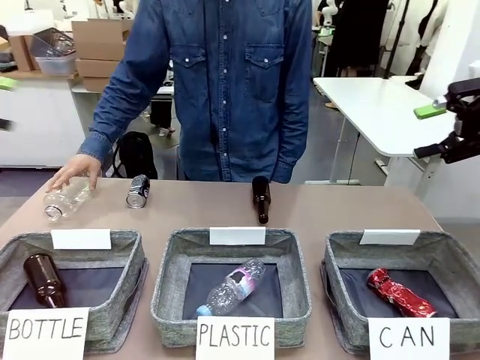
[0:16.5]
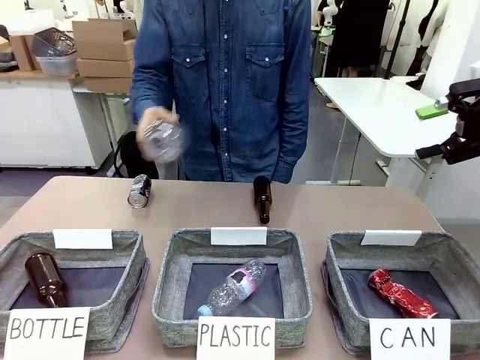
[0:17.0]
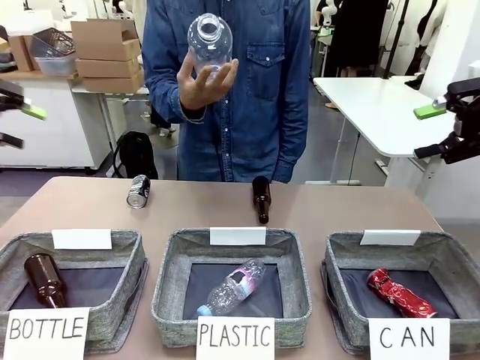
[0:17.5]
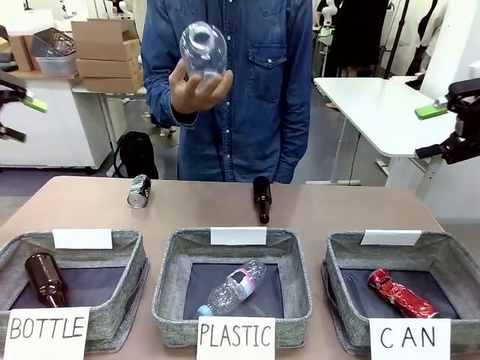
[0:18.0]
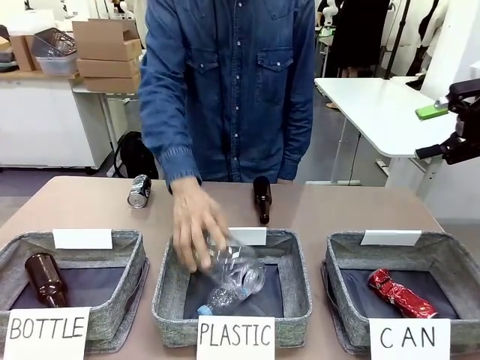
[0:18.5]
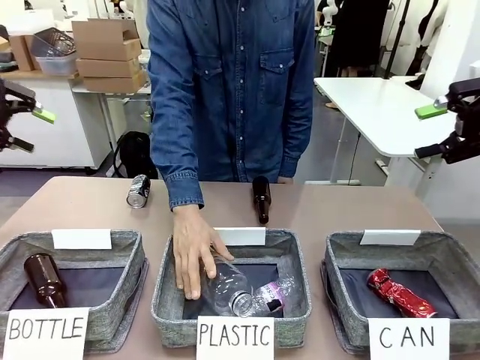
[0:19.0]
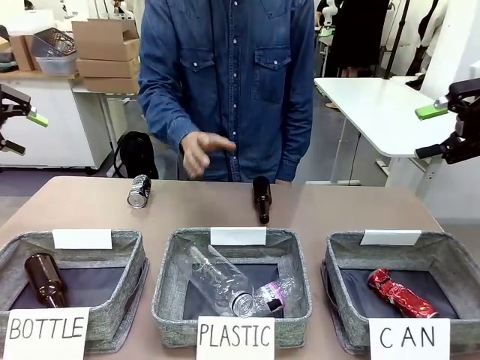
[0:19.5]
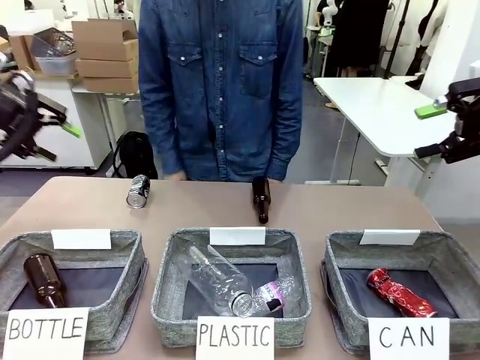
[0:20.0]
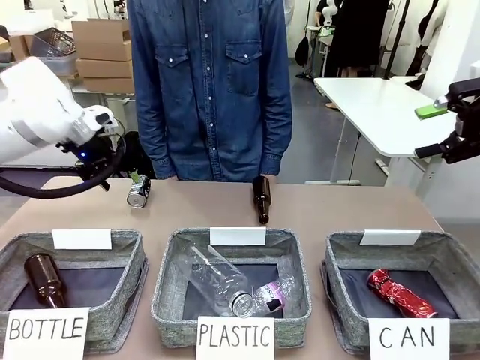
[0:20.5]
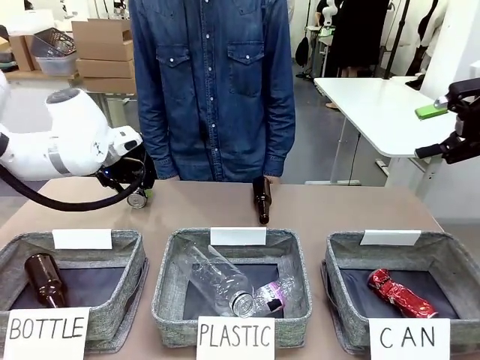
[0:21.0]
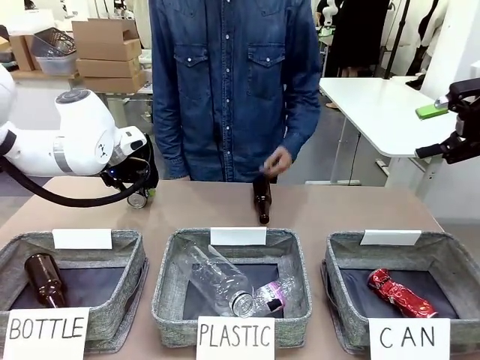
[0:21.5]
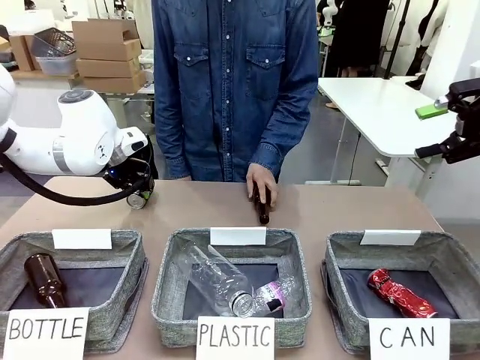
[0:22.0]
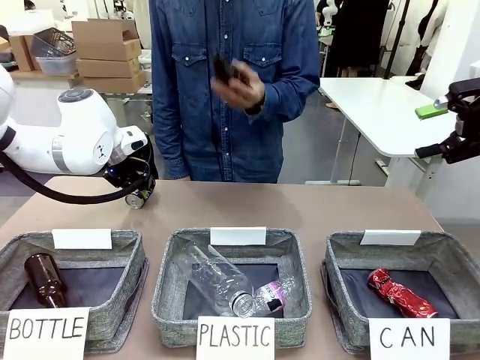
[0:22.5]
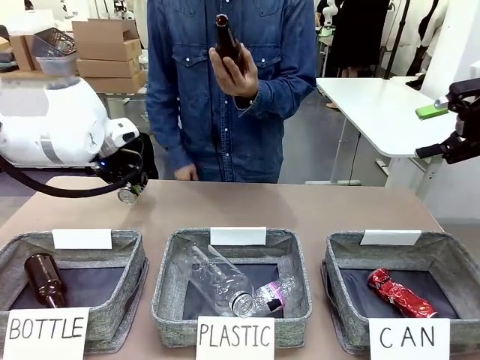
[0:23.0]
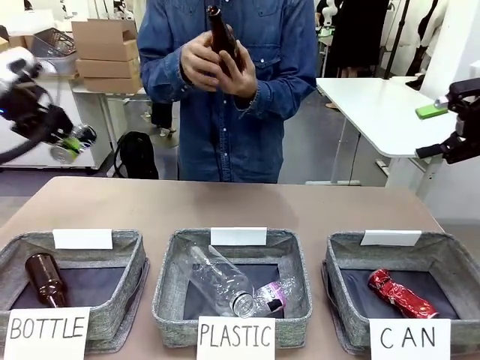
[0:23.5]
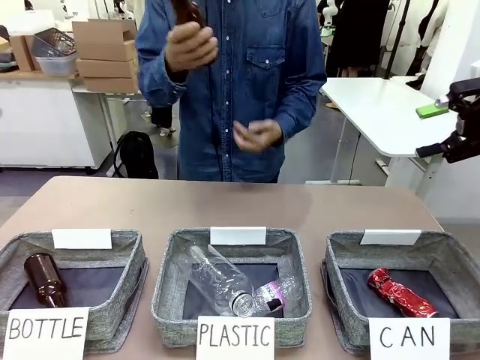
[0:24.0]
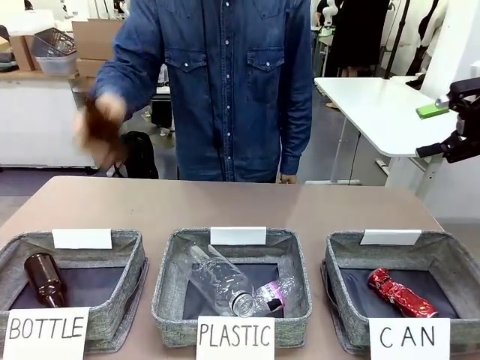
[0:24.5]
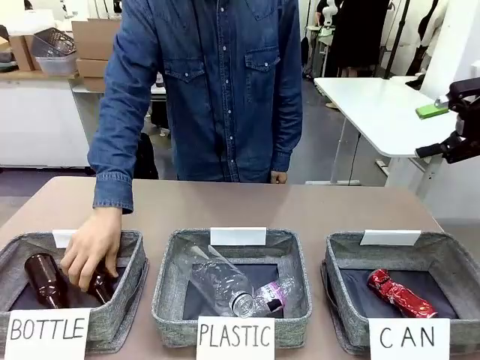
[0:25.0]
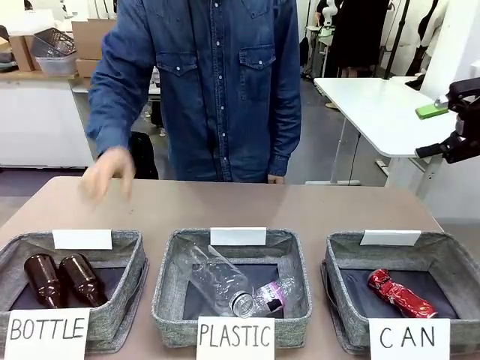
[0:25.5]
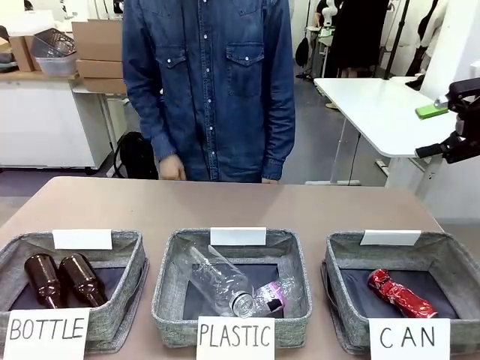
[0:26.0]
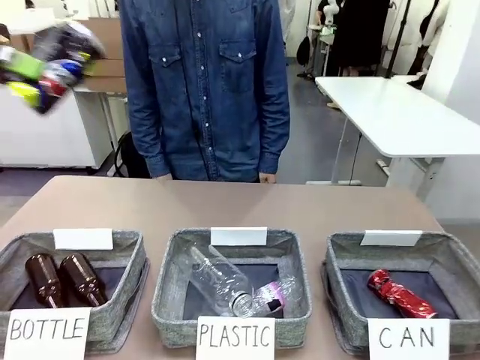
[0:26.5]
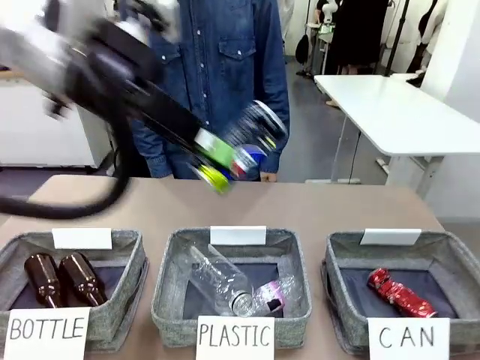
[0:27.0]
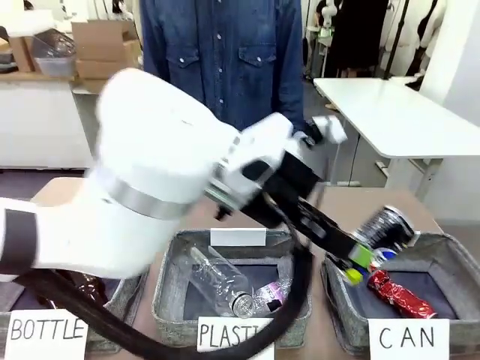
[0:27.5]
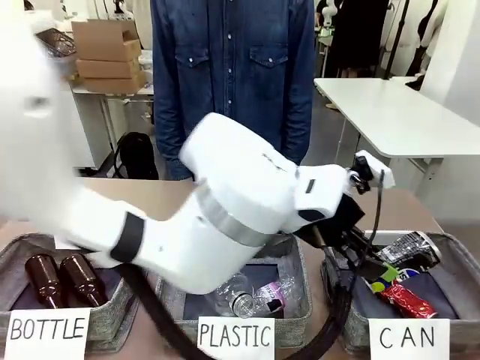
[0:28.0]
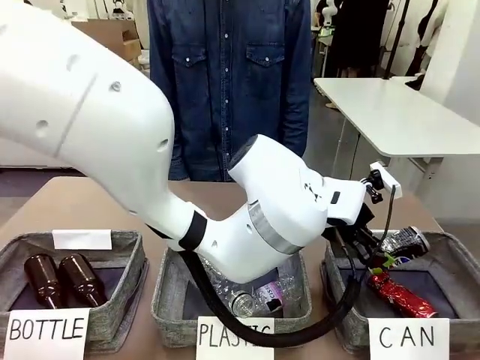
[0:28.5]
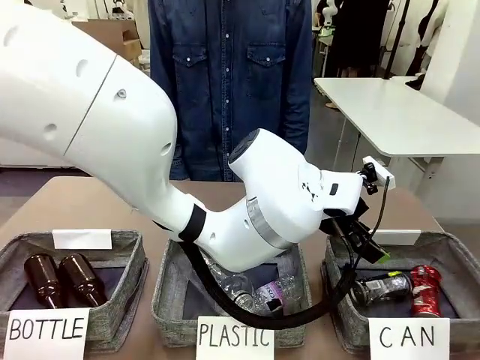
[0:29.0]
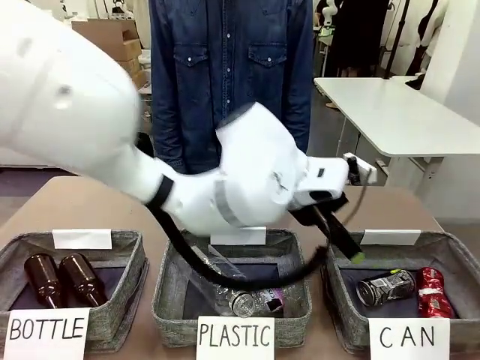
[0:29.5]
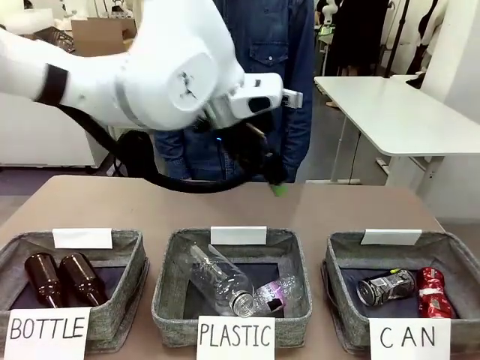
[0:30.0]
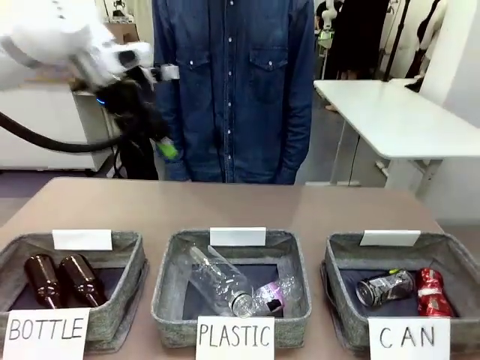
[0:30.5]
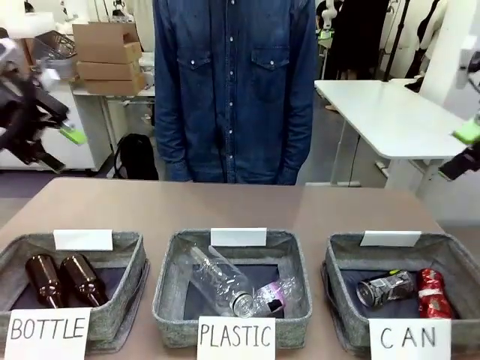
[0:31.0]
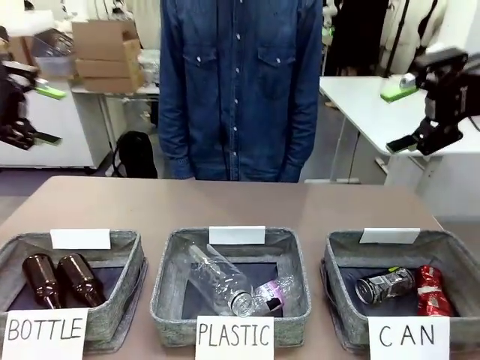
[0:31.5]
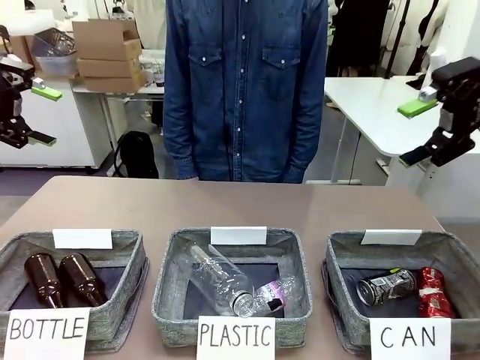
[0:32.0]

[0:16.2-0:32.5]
Task: Sort the can waste into the basket.
Robot: Pick up the can waste from the table and place it in the right Fabric basket.
Person: The human picks up one piece of trash that is not a can and places the trash into the appropriate organizing basket.

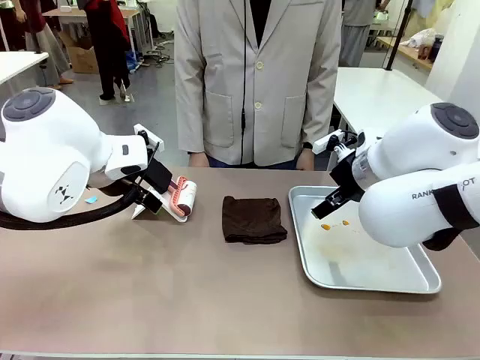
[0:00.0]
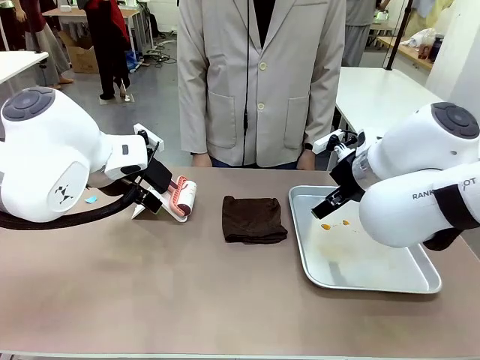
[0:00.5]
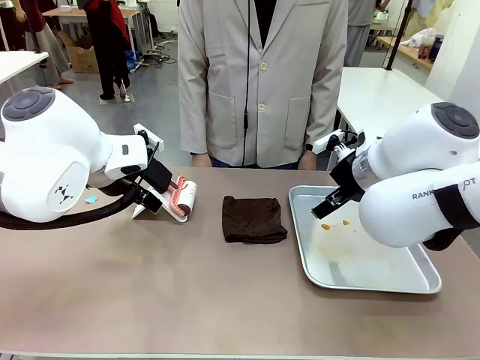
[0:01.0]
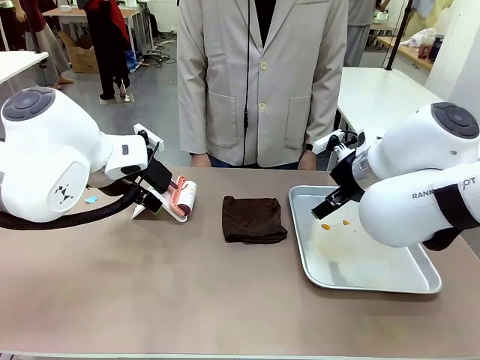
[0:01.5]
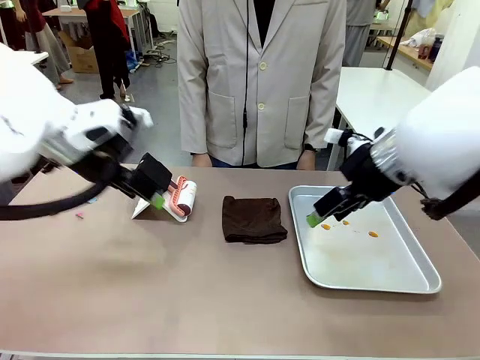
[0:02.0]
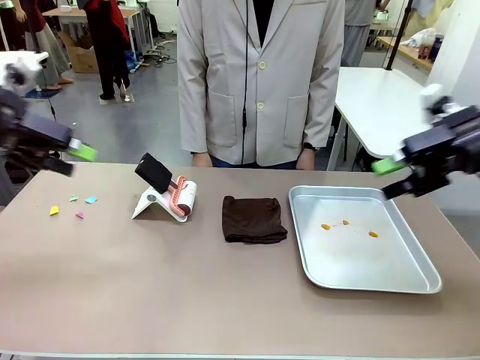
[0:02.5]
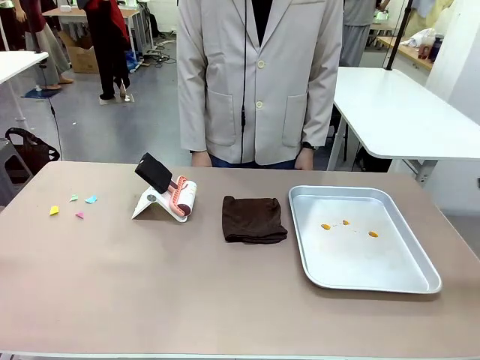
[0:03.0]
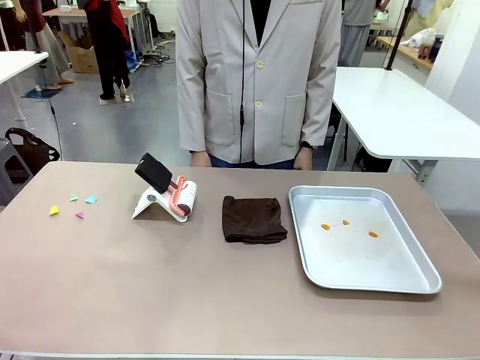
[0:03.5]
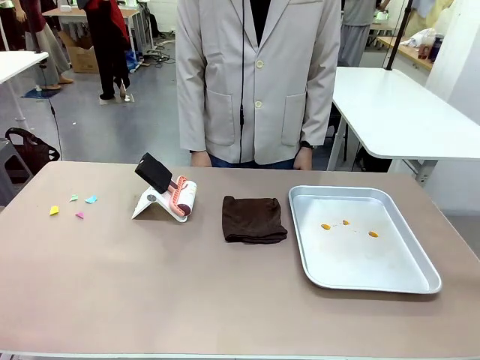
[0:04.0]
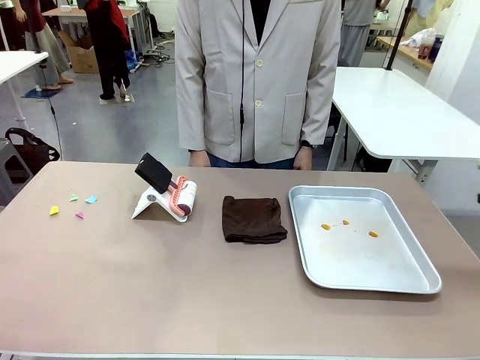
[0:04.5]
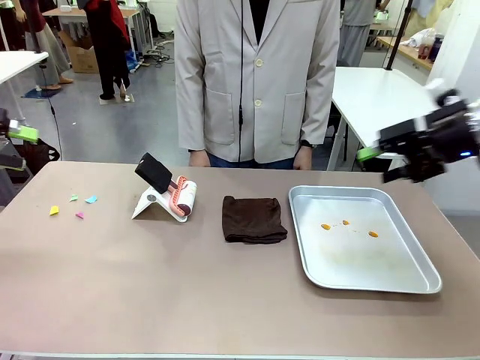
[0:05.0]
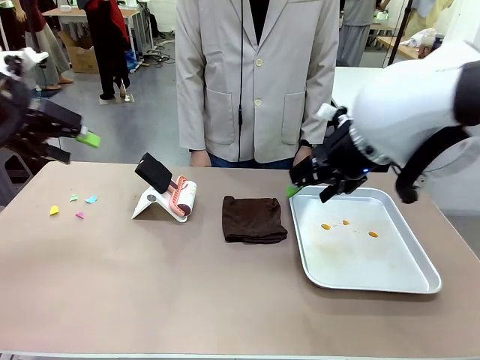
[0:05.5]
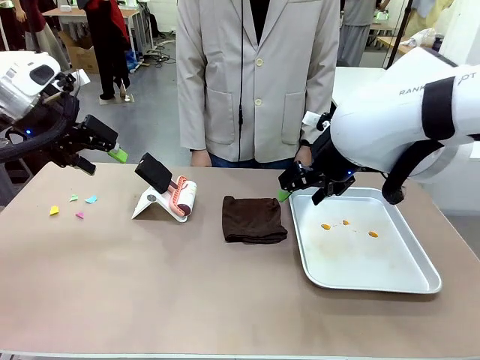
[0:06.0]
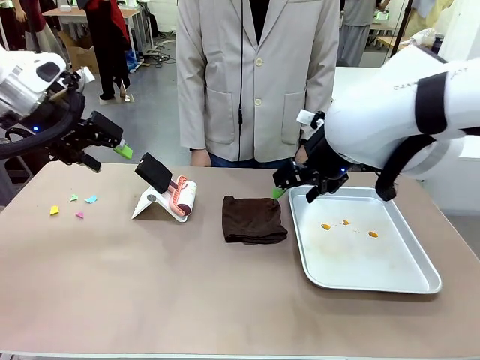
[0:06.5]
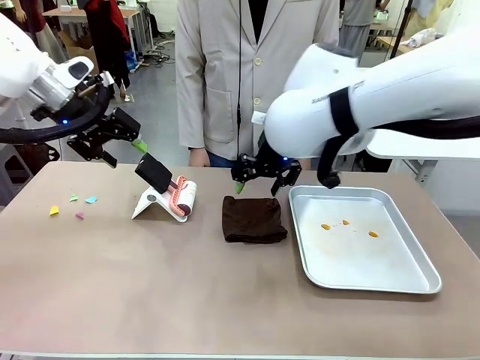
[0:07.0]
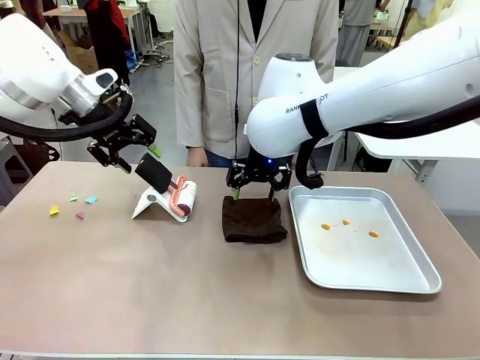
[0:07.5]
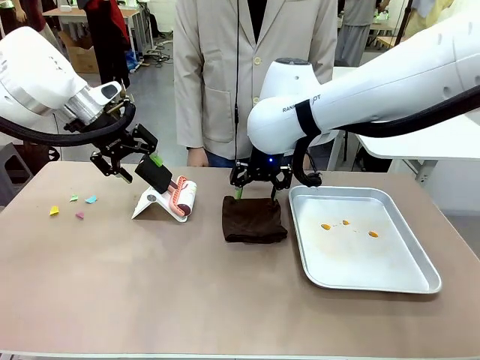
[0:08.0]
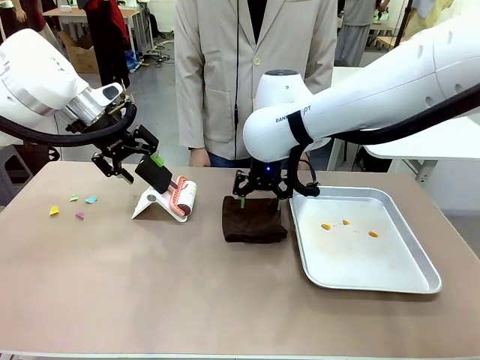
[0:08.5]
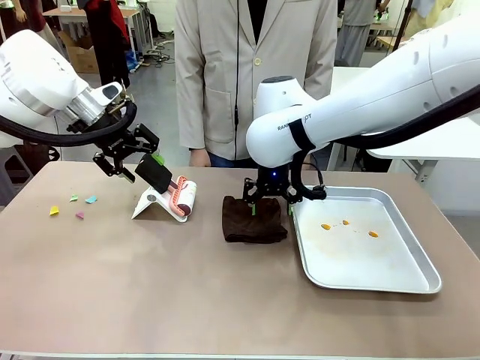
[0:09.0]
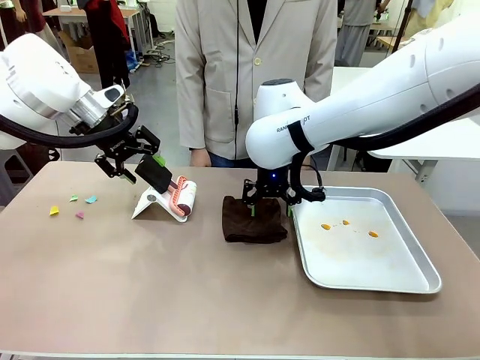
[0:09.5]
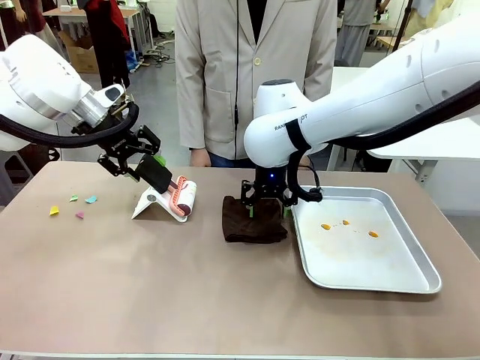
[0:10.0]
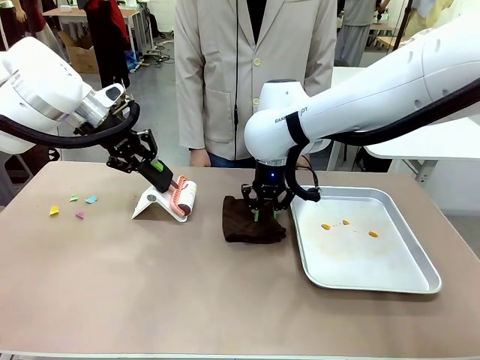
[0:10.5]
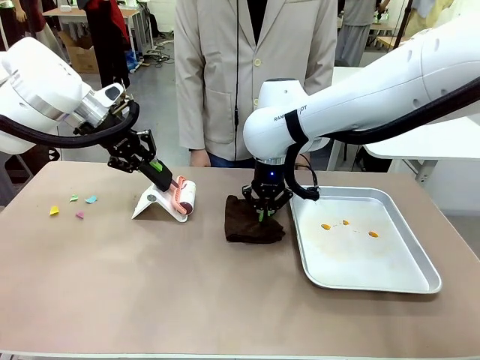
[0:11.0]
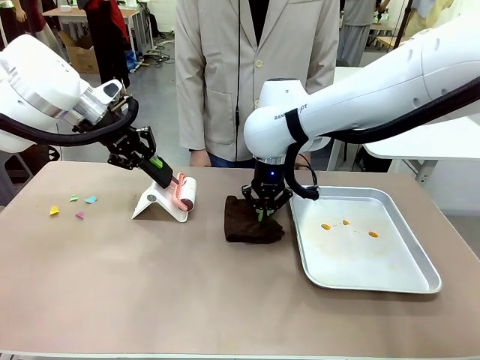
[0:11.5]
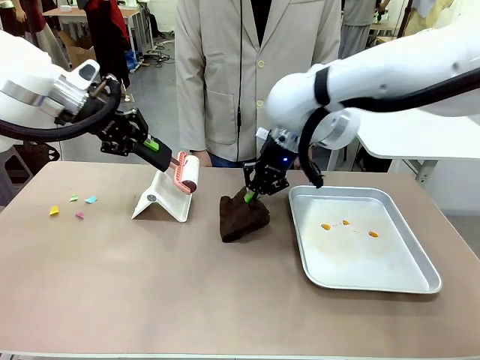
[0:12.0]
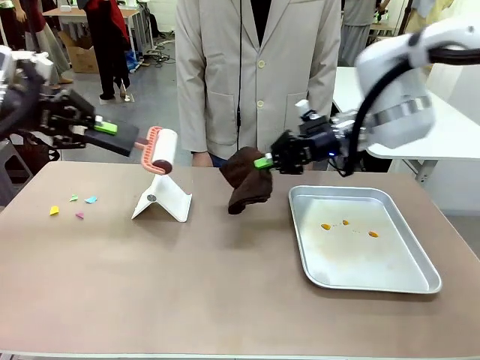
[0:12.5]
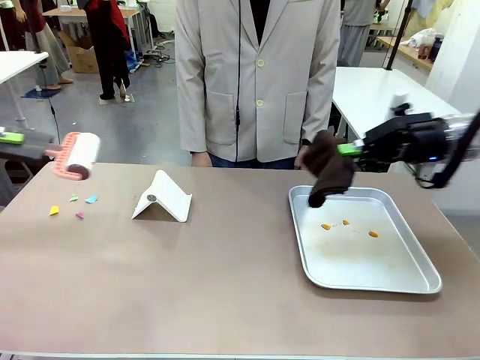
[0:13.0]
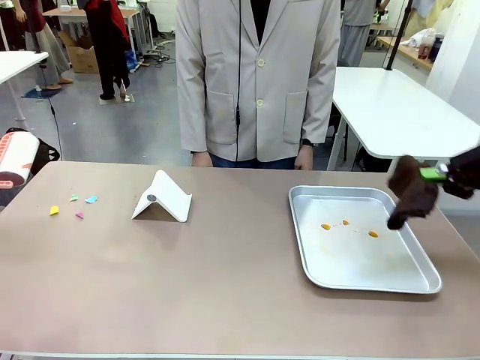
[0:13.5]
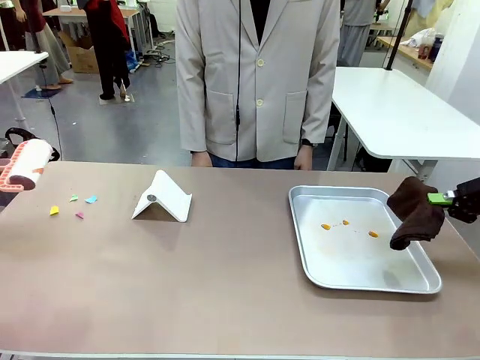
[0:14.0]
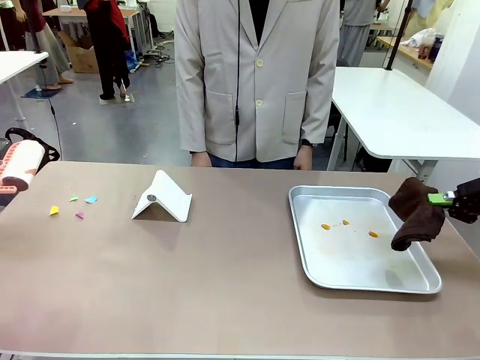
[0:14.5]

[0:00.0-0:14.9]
Task: Clean the surface of the table.
Robot: Hold the Lint Roller with your left hand and the towel with your right hand.
